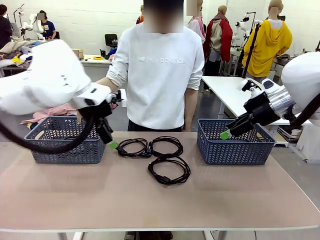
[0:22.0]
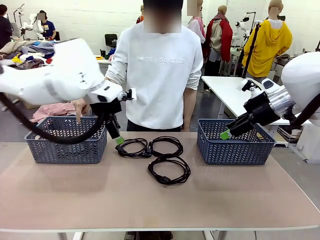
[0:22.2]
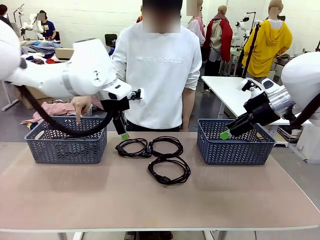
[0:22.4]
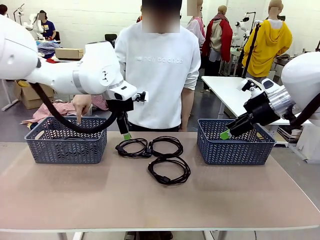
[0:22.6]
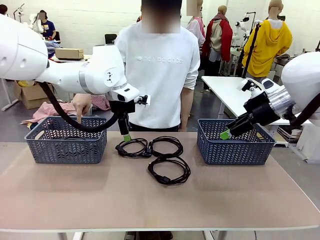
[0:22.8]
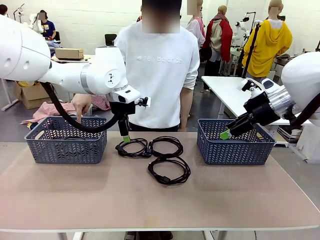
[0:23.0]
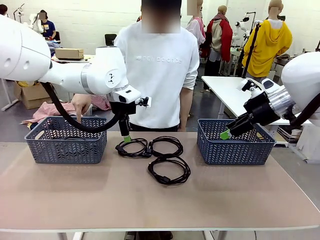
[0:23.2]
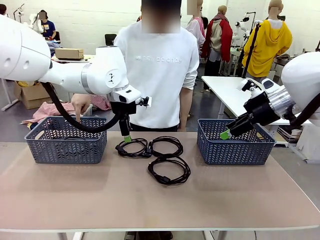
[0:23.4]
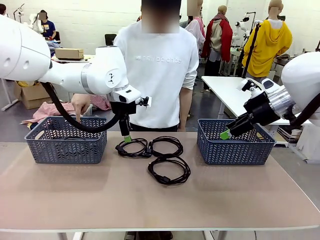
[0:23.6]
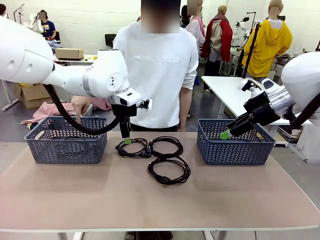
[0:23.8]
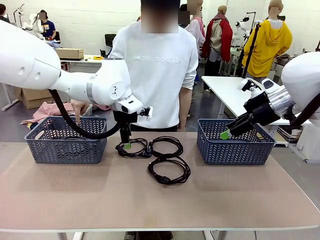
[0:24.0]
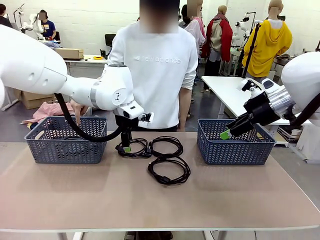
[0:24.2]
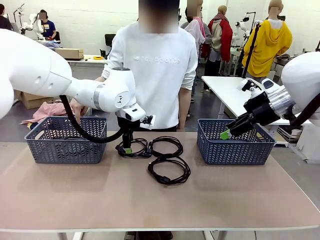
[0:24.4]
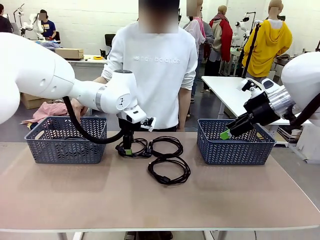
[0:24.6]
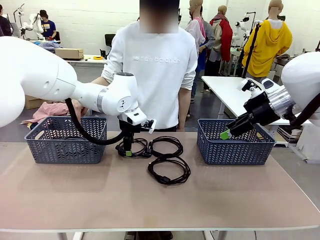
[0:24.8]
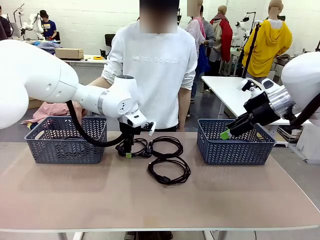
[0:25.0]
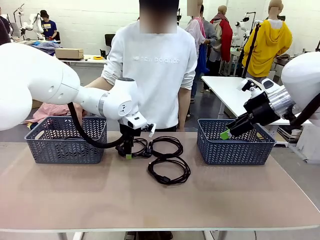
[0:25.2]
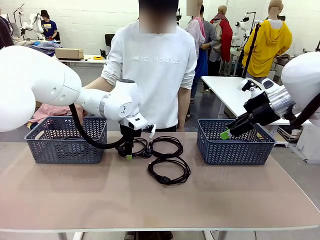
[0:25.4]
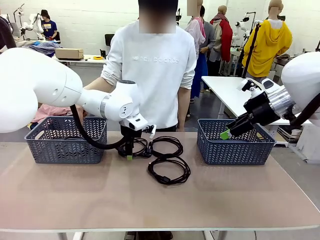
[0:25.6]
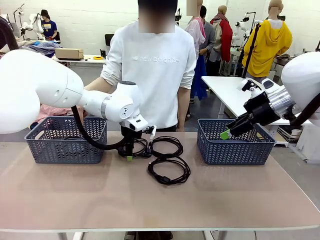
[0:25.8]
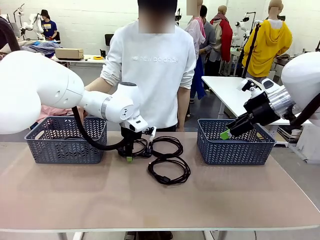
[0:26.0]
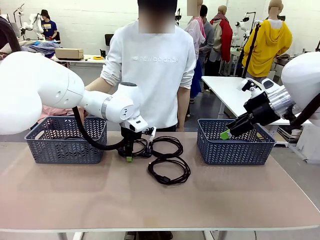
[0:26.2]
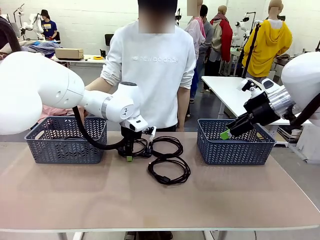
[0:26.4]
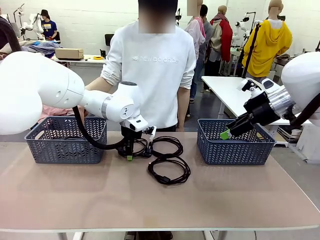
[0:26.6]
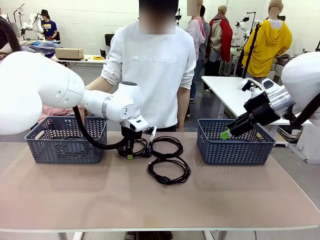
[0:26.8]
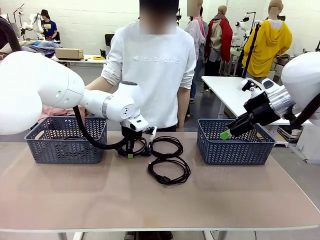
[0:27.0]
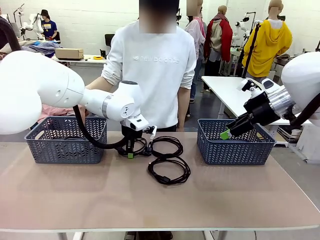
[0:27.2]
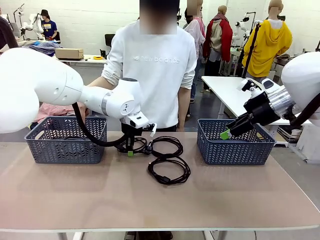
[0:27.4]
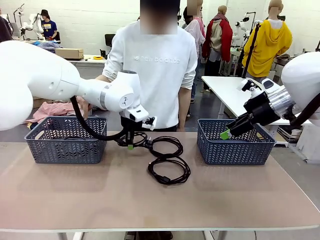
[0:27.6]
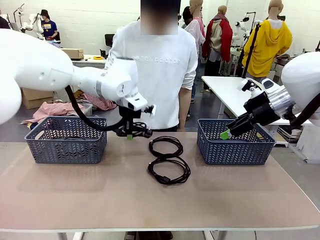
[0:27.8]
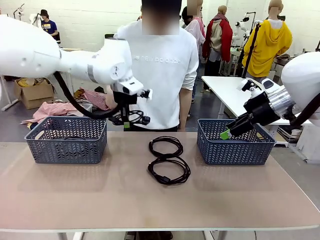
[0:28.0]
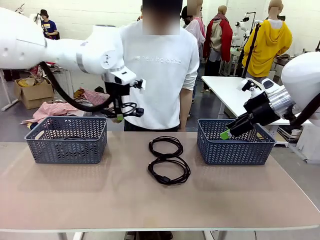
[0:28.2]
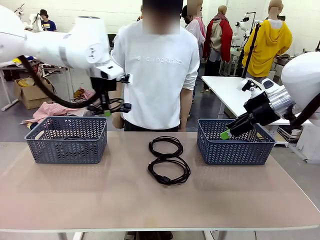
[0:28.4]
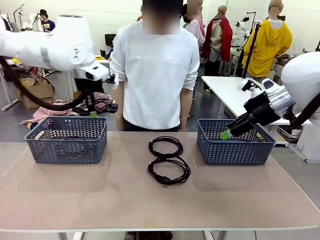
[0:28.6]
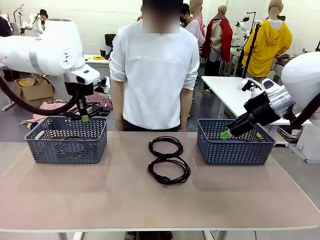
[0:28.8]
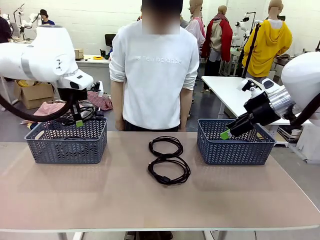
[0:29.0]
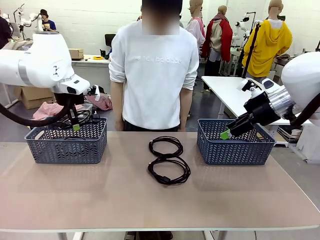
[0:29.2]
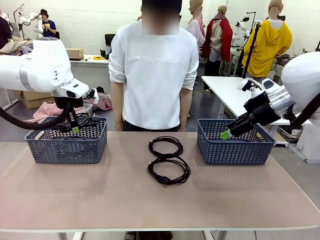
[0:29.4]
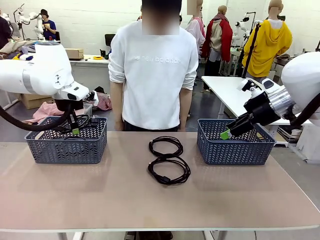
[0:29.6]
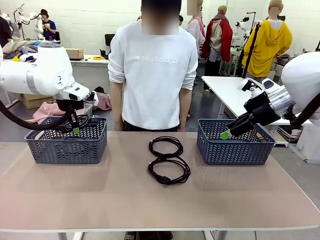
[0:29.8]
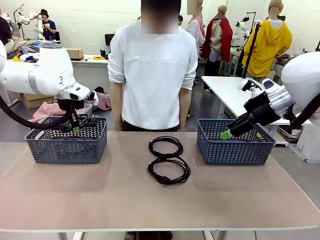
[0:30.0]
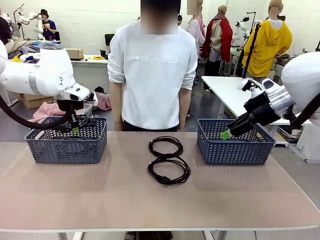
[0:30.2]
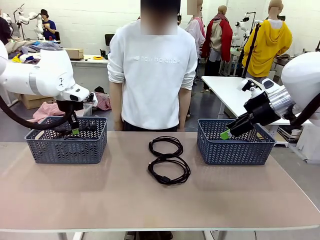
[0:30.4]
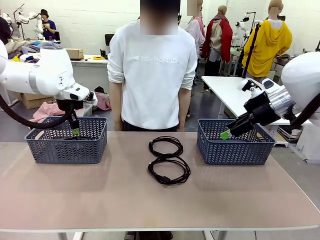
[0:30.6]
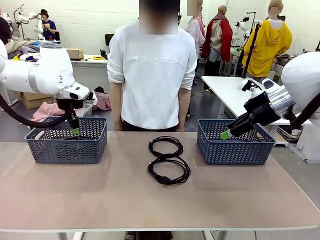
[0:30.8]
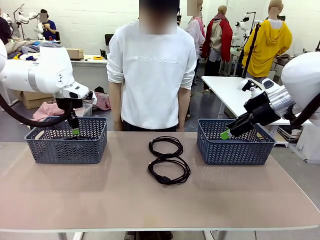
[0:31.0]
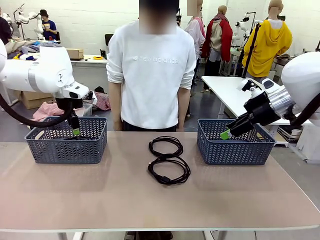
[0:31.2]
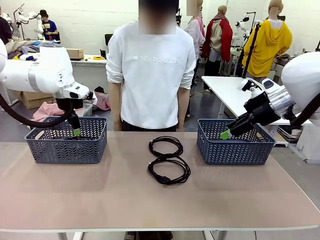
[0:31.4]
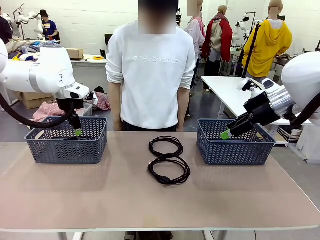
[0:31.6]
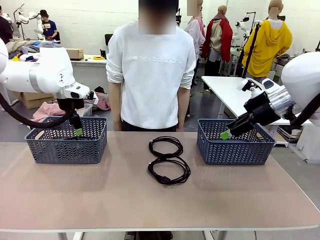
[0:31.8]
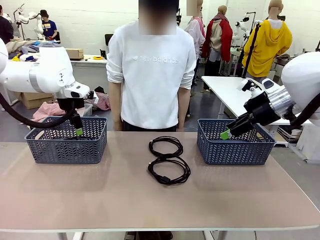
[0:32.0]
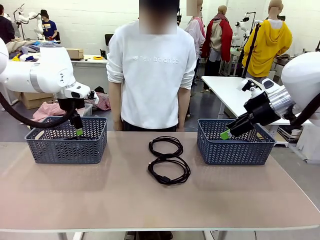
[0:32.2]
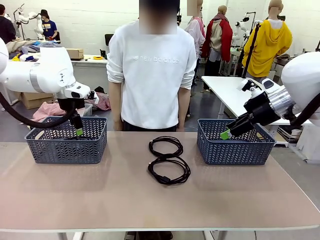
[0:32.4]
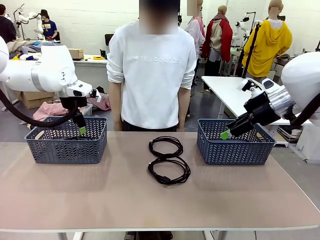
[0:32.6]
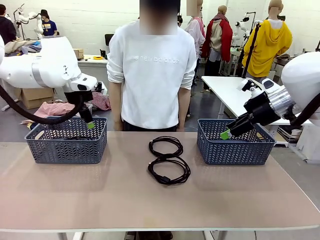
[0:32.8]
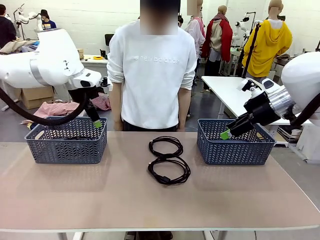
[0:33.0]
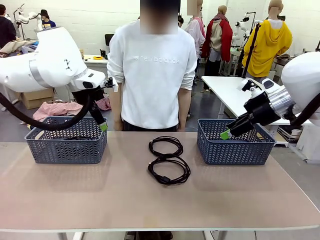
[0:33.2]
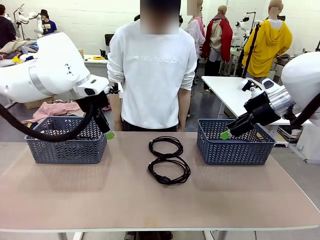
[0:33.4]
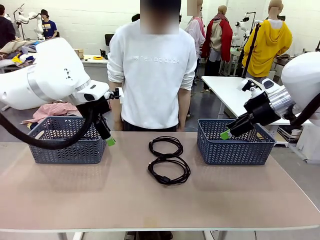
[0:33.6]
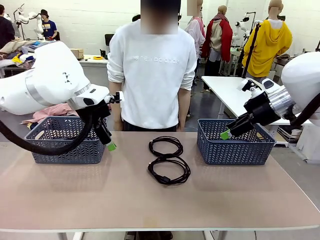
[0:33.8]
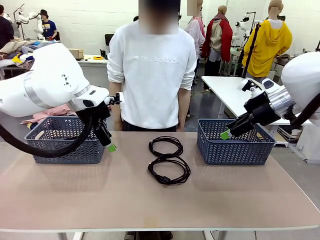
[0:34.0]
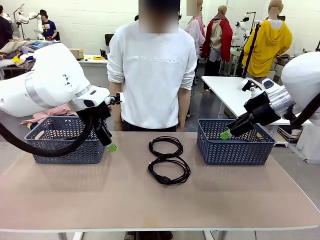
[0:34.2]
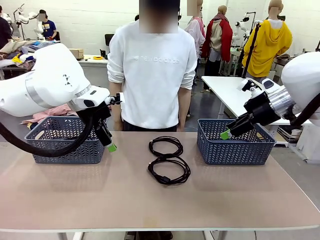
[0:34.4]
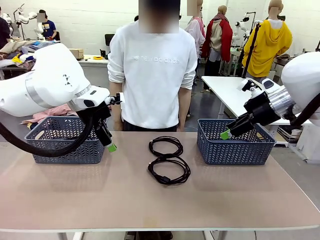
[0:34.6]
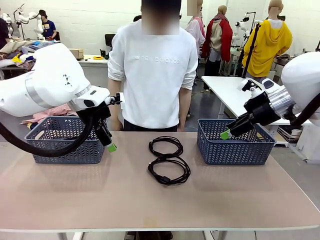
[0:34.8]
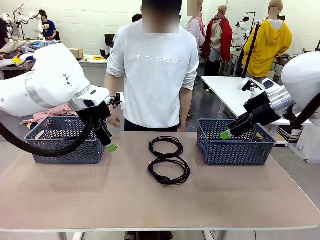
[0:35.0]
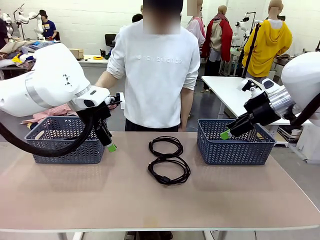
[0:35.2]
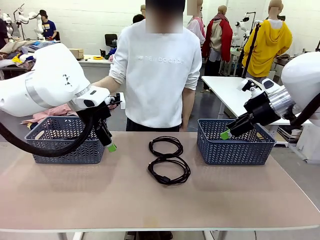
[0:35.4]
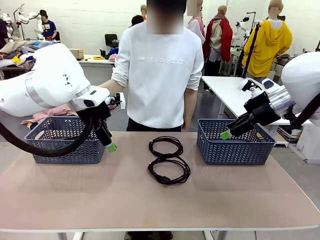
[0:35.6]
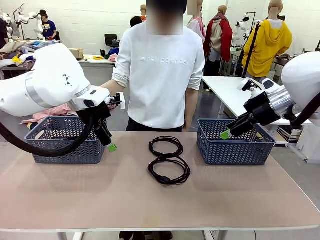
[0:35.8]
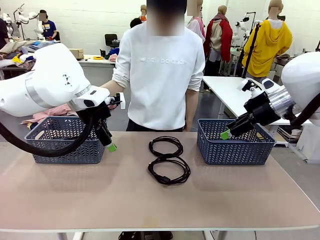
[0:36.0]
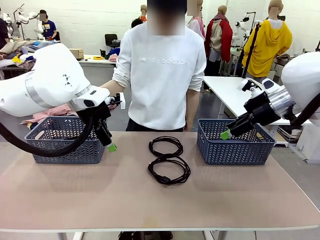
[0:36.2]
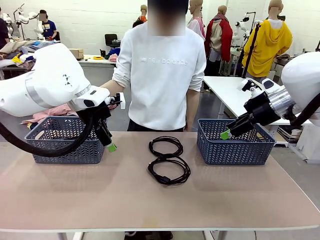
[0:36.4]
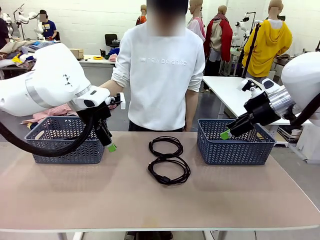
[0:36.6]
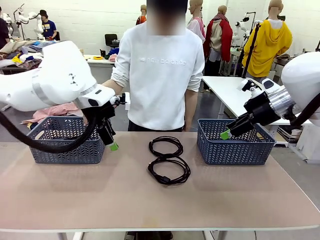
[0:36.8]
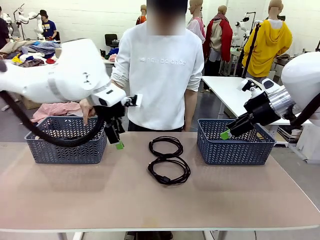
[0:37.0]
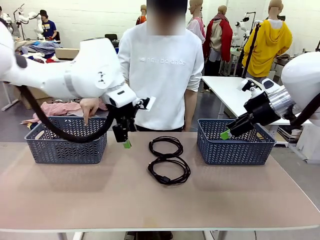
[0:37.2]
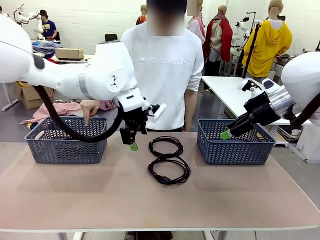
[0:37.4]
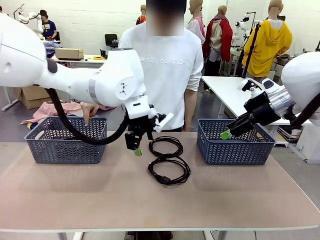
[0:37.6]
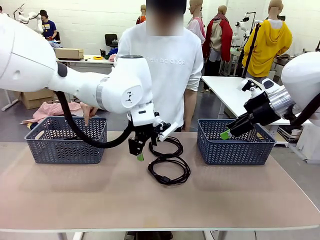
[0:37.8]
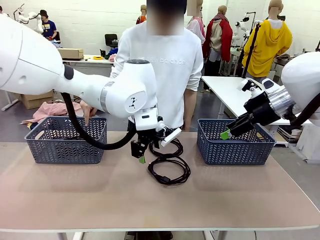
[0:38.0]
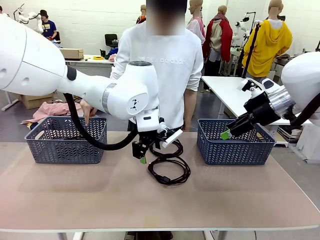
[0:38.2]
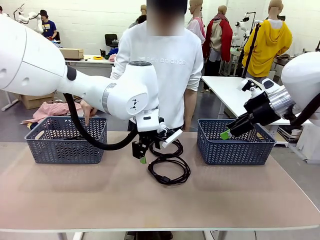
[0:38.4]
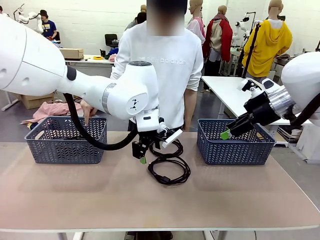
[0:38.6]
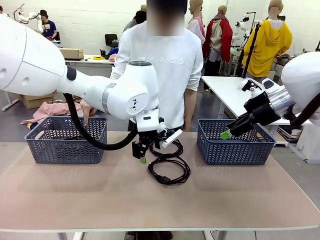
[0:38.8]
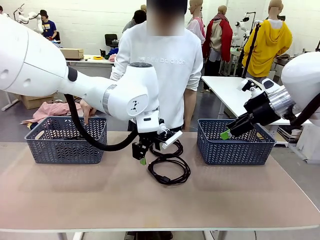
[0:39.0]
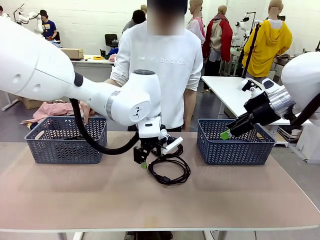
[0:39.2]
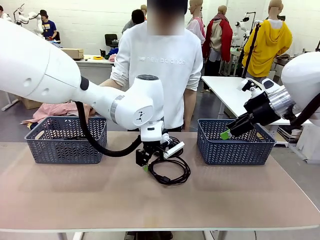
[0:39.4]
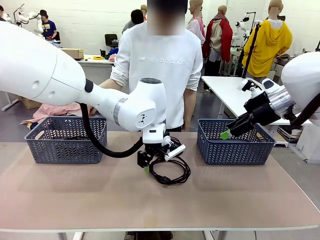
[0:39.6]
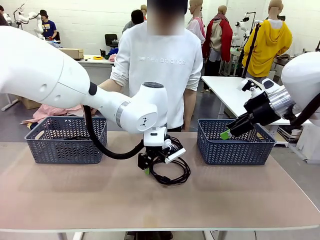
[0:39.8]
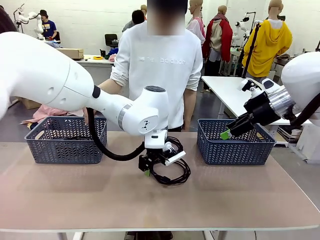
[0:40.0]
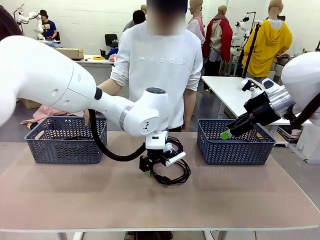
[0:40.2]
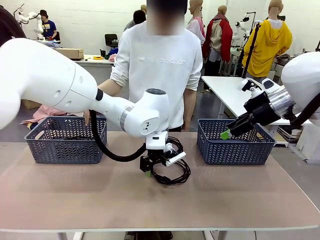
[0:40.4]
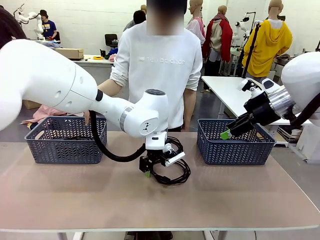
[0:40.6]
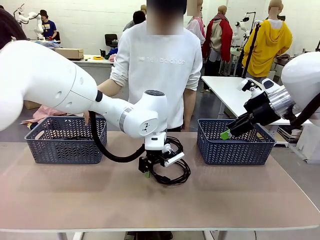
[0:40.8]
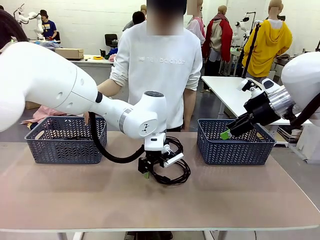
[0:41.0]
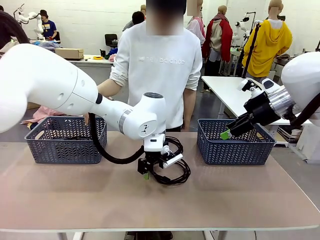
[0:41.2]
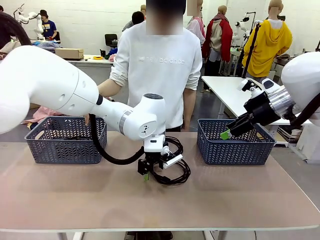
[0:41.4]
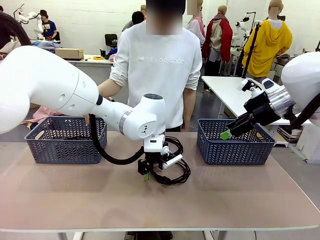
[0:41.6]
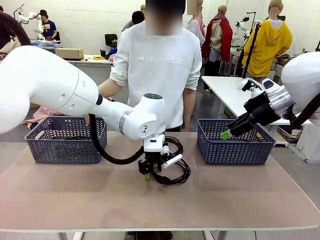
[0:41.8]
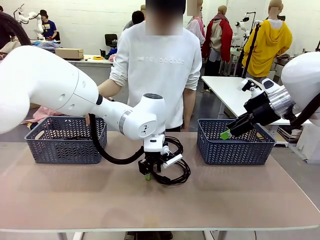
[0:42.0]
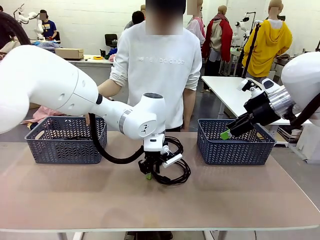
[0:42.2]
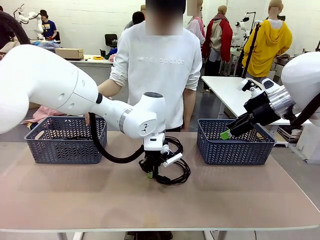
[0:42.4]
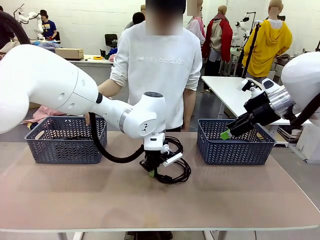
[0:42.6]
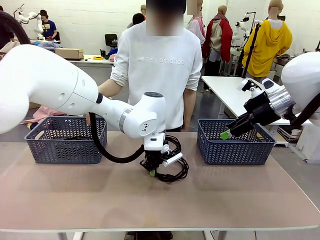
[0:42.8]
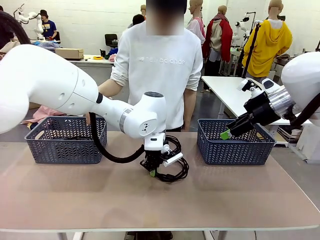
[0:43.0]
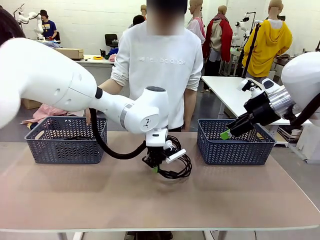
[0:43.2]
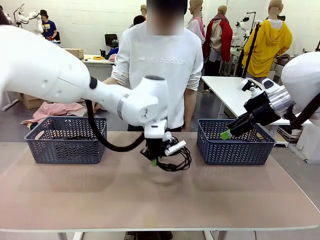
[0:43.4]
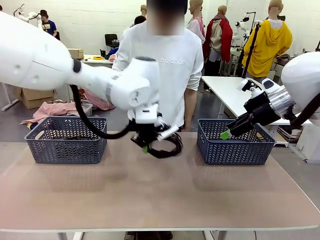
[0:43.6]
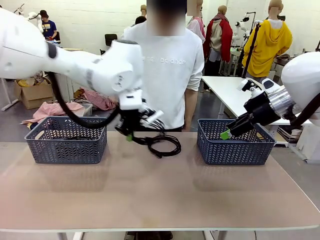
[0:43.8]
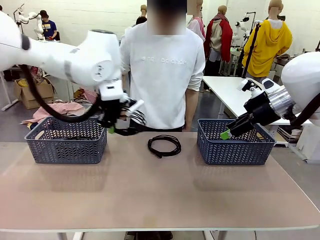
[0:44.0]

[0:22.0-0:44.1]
Task: Organize the cables according to human instructions.
Robot: Pick up a bundle of cables and place it in the basket indicated by the human.
